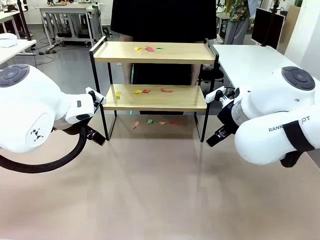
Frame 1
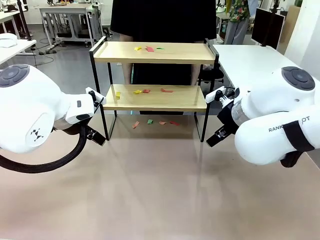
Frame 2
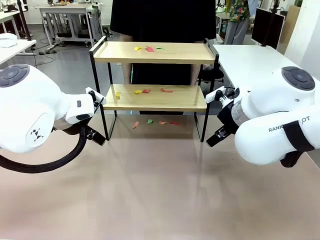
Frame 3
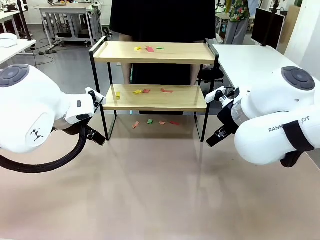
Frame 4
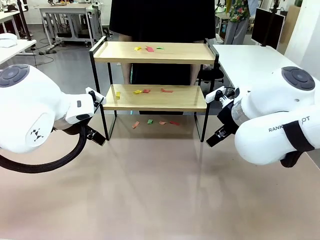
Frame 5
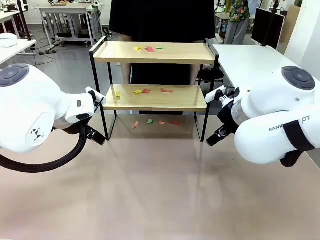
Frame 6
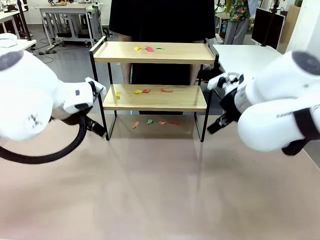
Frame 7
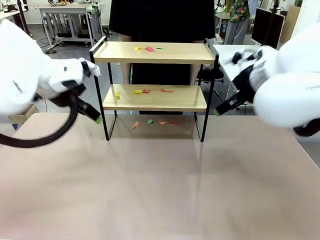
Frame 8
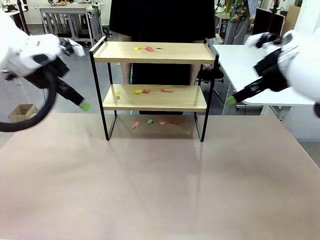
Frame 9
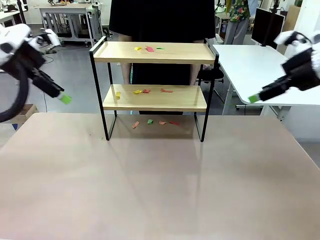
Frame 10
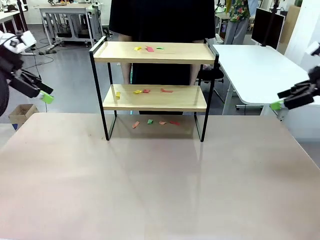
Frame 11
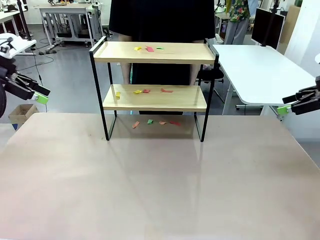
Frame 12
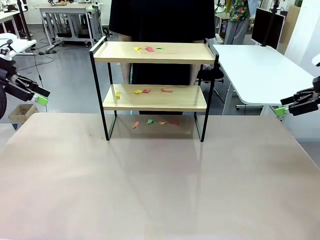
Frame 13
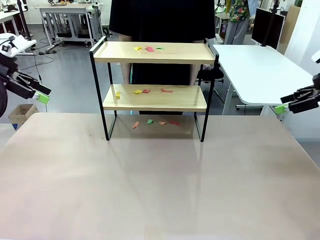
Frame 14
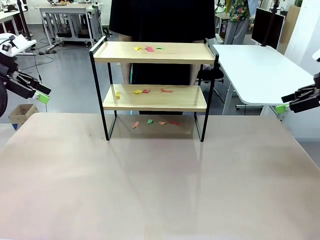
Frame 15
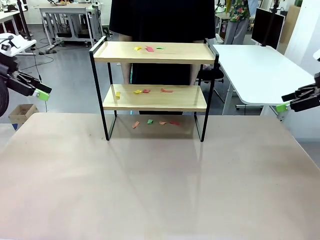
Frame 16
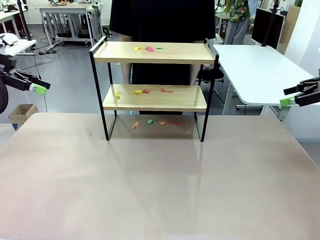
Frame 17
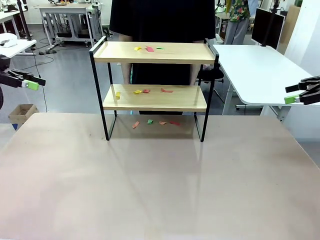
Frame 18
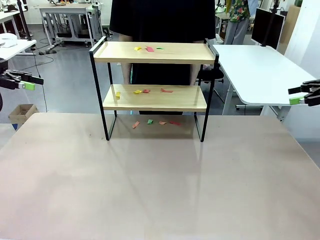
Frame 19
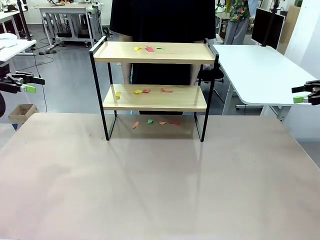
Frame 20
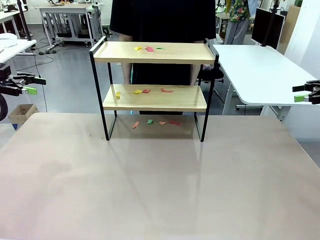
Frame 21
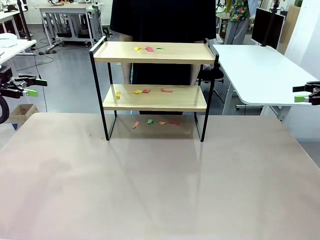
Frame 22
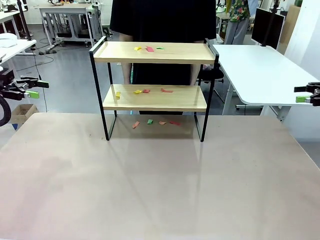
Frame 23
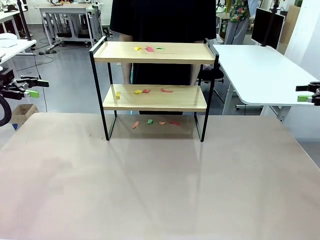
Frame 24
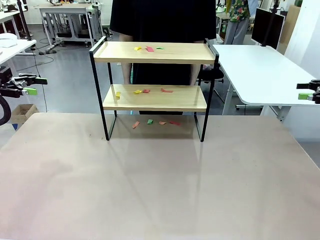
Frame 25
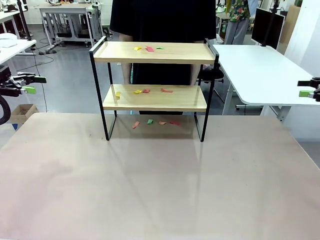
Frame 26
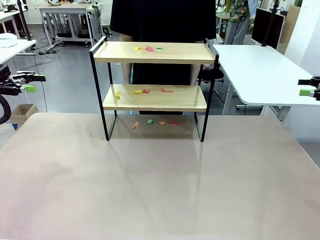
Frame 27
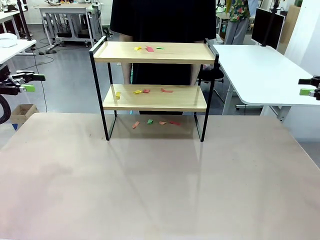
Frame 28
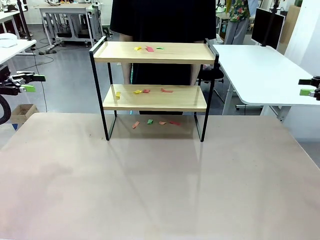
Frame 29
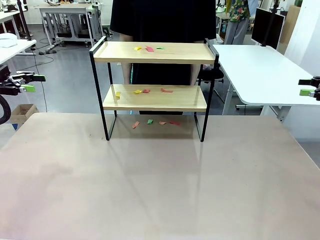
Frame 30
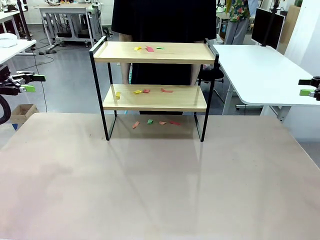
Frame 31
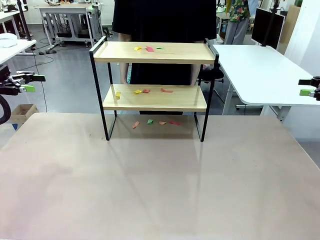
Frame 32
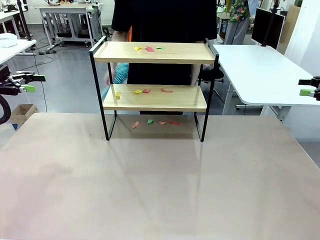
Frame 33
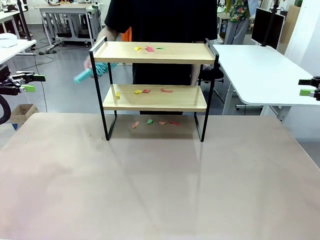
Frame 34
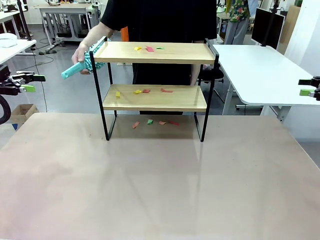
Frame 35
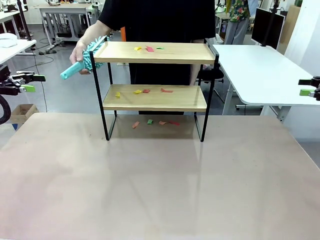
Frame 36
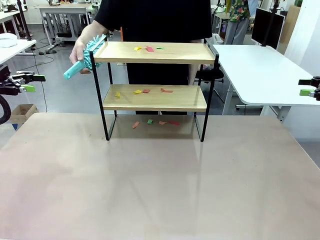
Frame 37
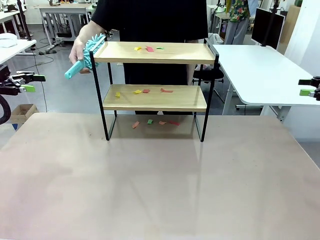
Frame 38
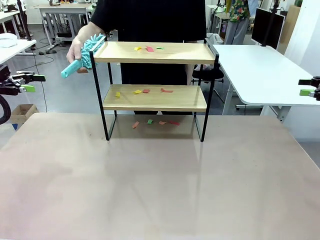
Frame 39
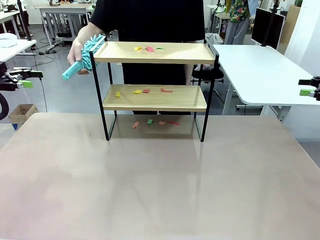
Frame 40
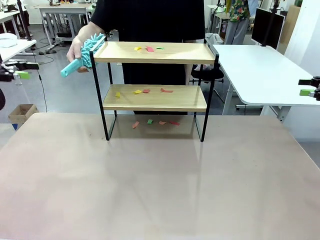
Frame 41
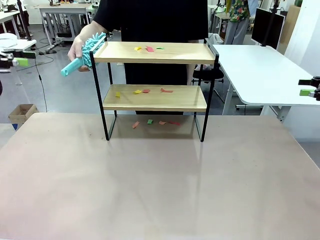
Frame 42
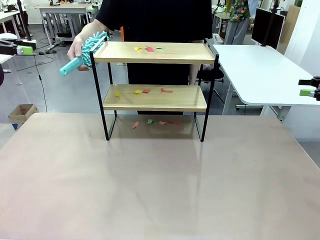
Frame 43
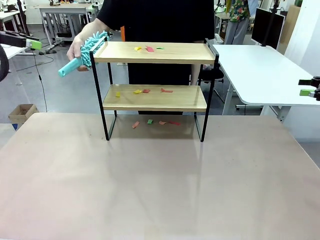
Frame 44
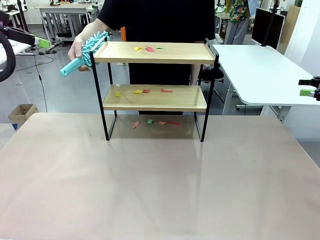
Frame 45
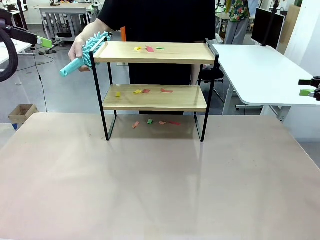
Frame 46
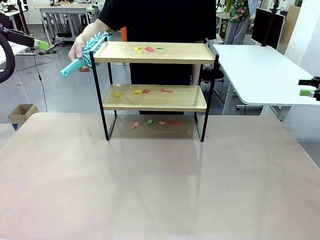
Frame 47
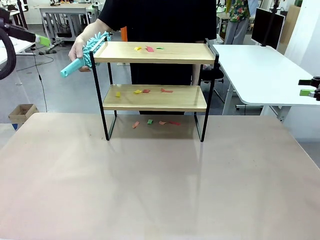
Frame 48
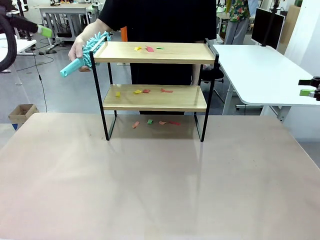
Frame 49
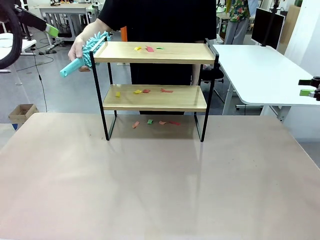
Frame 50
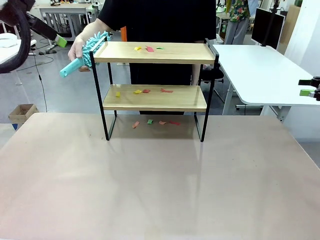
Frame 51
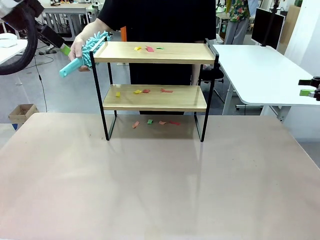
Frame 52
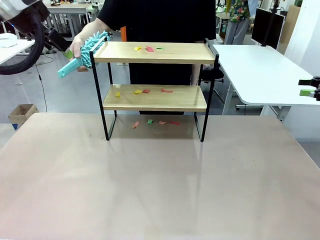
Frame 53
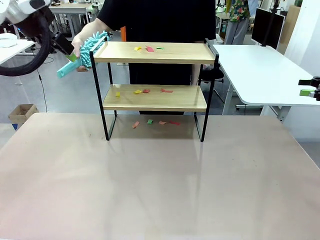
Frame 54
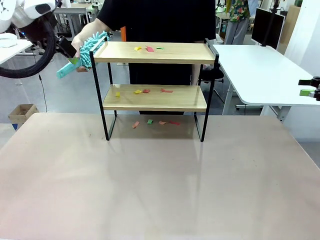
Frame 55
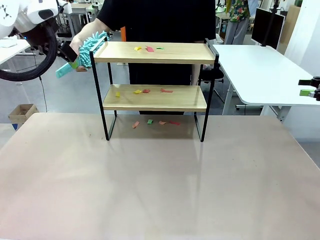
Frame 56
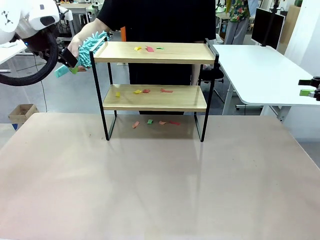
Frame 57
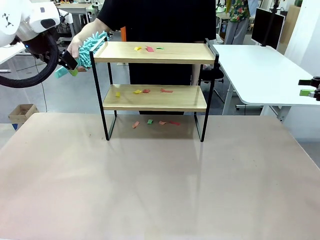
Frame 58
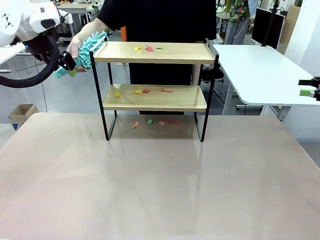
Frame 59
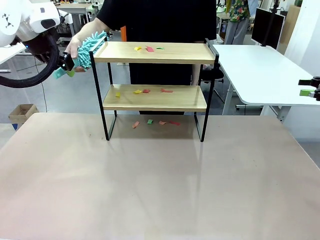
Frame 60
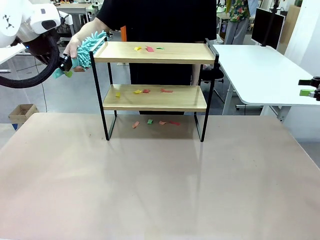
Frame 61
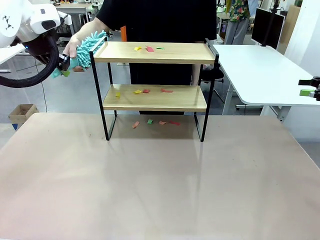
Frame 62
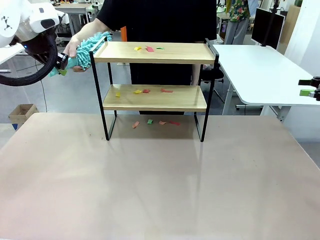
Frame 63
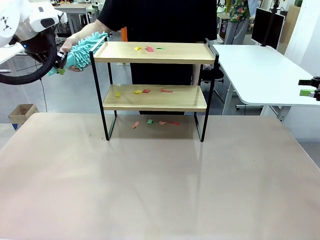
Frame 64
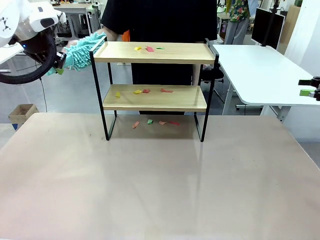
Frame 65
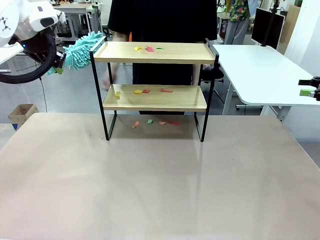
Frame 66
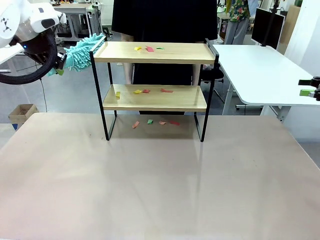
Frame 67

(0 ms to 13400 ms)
Task: Clean the shelf.
Robot: Pick up the Duster handed by the human.
Person: Hand the Duster to the robot.

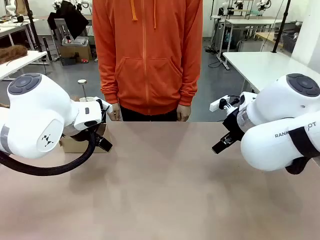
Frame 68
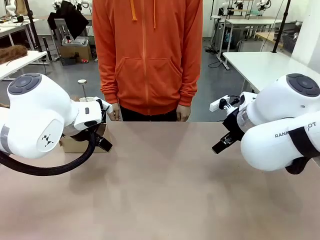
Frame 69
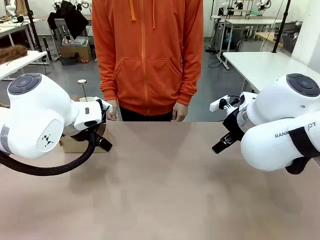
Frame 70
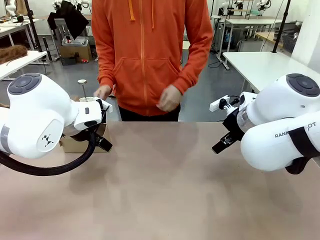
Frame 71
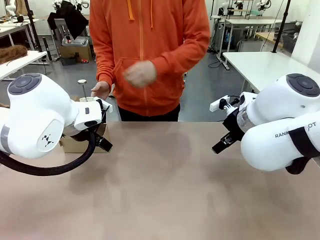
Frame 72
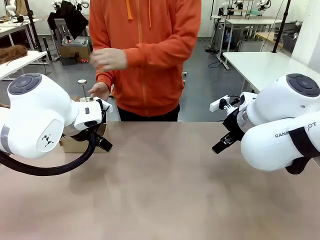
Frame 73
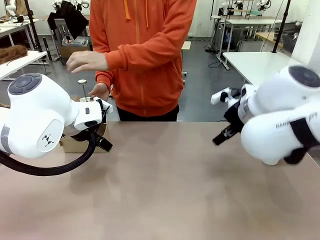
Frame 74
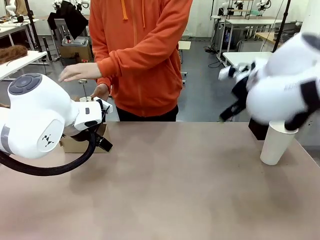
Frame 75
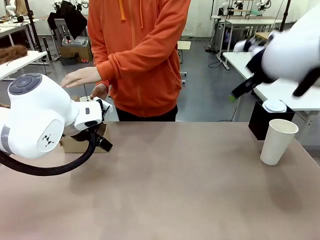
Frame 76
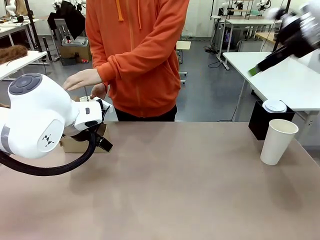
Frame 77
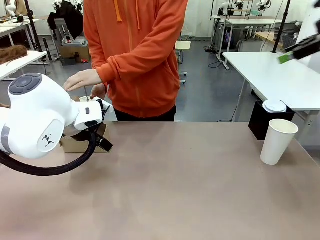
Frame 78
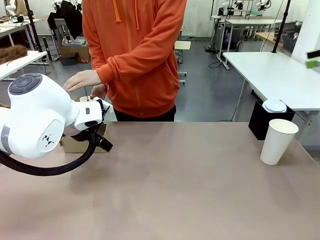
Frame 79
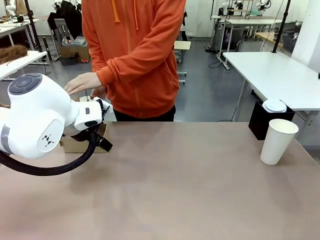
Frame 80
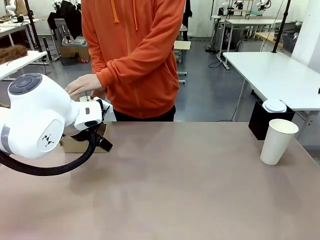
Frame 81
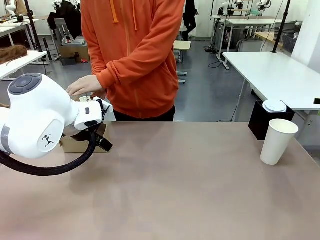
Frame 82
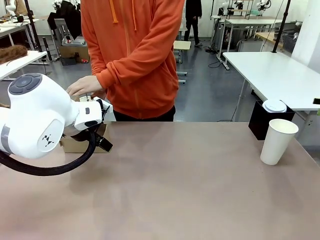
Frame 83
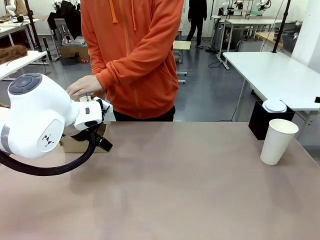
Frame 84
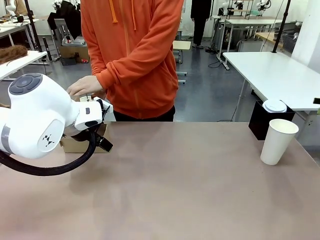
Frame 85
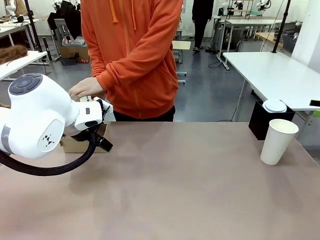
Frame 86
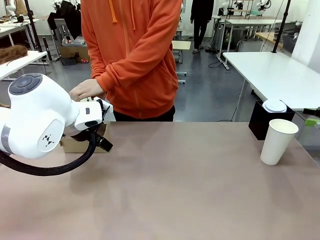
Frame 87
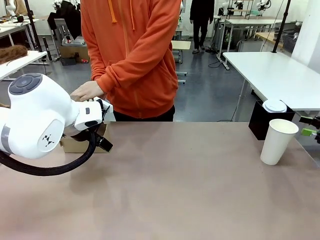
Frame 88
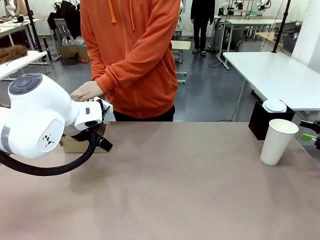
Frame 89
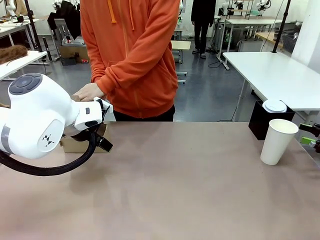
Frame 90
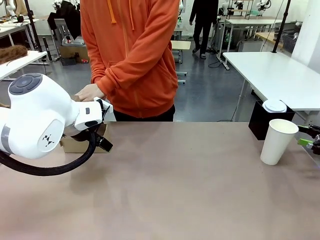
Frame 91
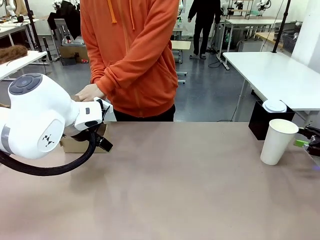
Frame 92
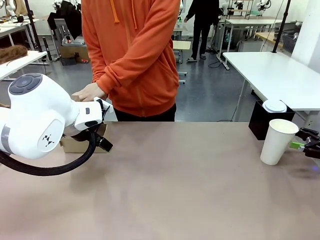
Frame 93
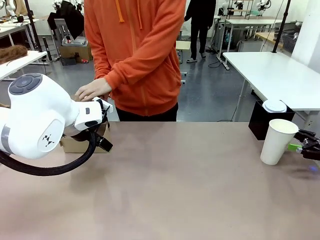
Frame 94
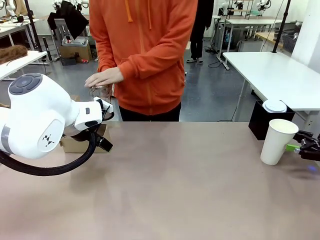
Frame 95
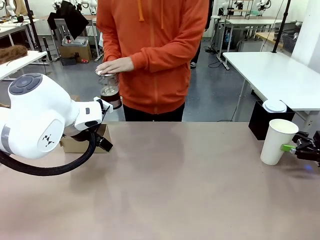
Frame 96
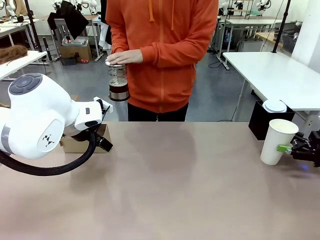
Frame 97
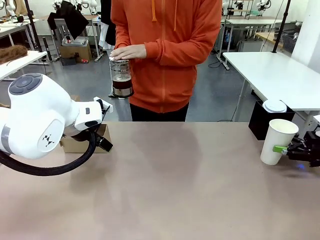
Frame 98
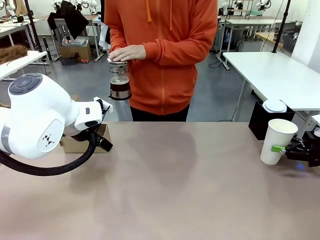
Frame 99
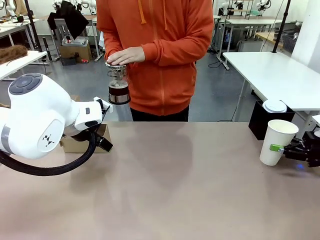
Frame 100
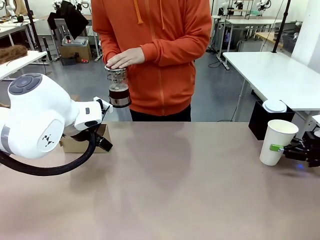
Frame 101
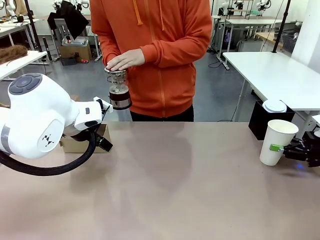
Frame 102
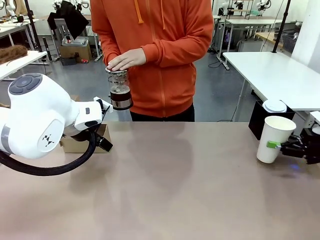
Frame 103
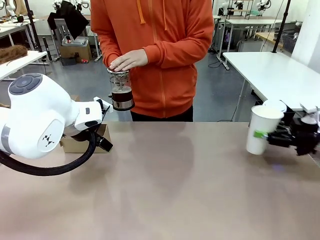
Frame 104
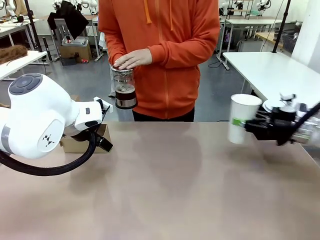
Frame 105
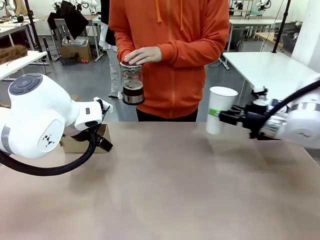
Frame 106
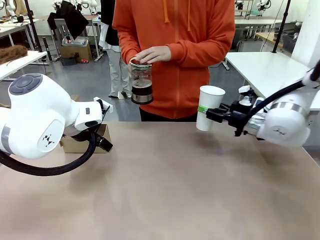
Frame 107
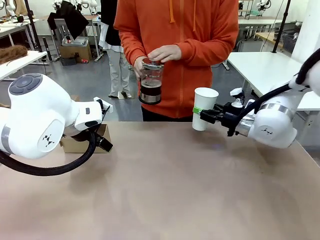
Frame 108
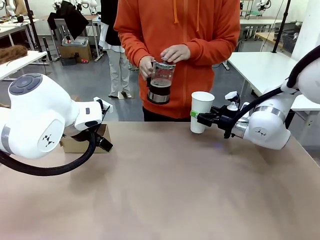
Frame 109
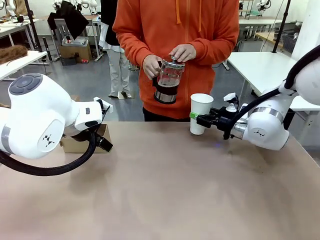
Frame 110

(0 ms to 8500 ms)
Task: Pour a drink into a cup and package it in a carrier.
Robot: Pick up the 600 ml Paper Cup and place it in the middle top area of the table.
Person: Press and pick up the Filter Brewing.
